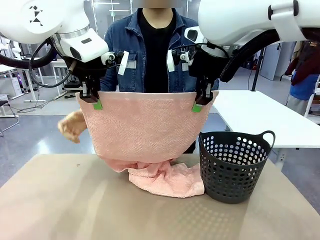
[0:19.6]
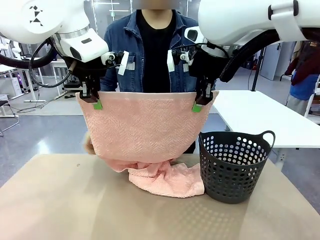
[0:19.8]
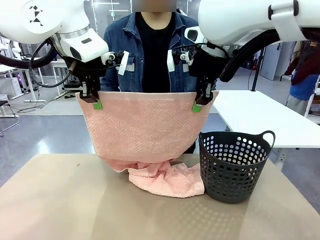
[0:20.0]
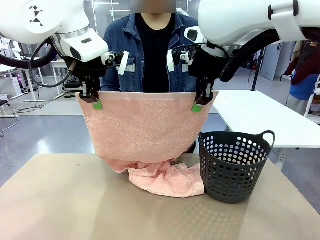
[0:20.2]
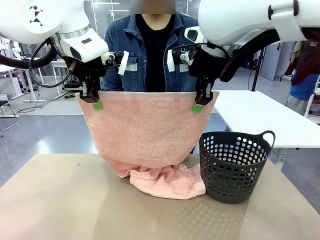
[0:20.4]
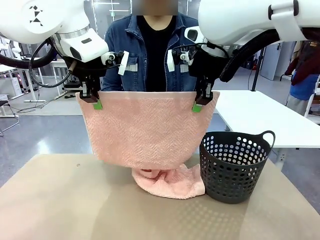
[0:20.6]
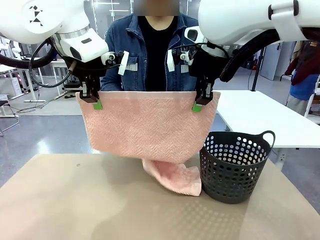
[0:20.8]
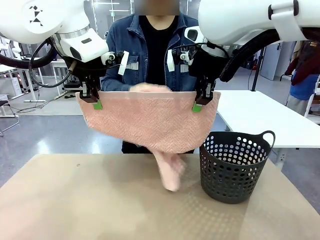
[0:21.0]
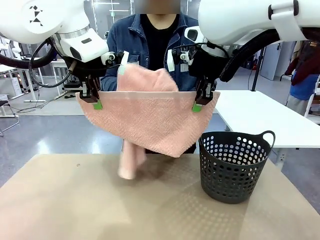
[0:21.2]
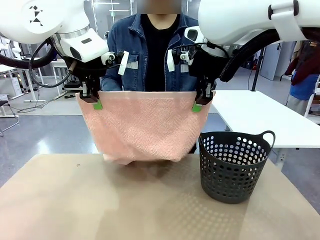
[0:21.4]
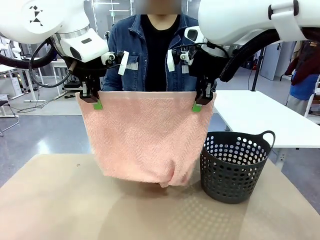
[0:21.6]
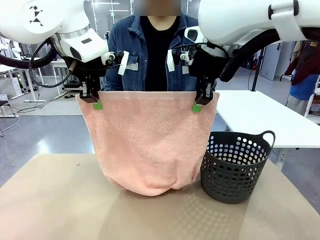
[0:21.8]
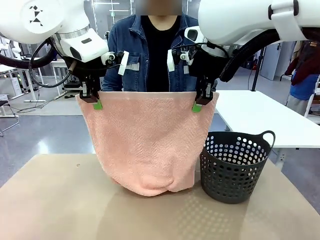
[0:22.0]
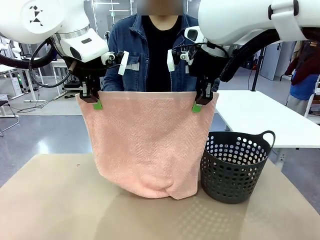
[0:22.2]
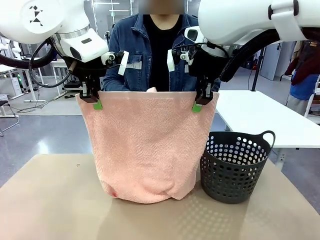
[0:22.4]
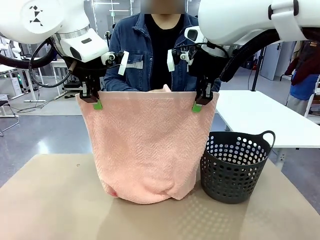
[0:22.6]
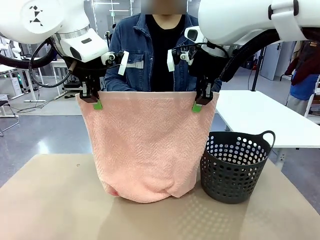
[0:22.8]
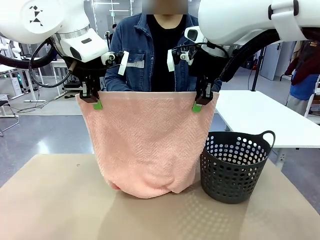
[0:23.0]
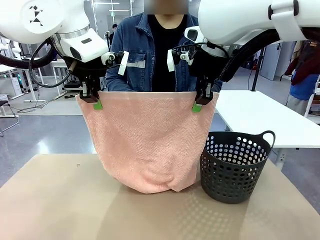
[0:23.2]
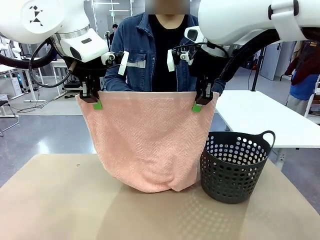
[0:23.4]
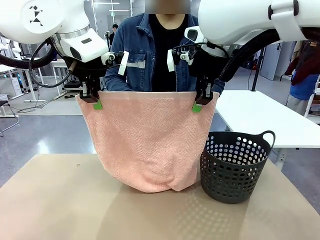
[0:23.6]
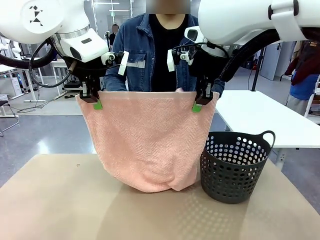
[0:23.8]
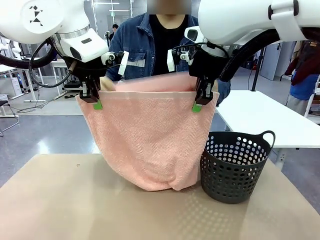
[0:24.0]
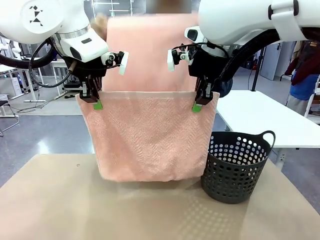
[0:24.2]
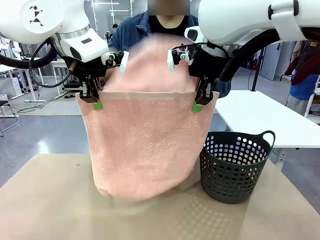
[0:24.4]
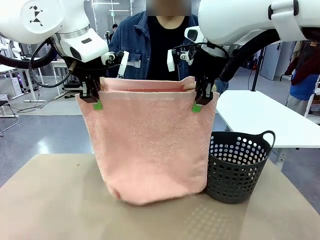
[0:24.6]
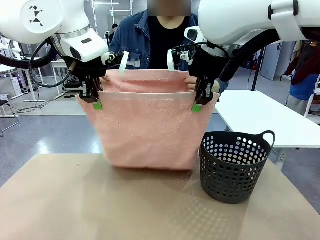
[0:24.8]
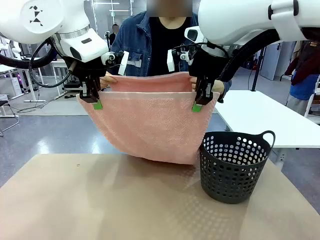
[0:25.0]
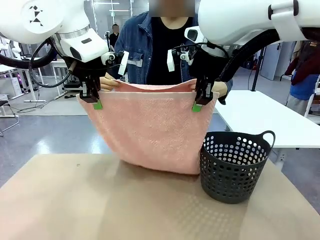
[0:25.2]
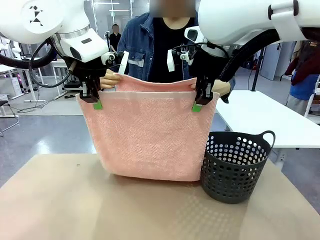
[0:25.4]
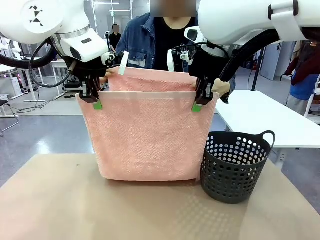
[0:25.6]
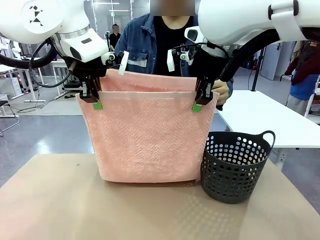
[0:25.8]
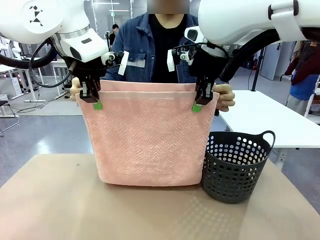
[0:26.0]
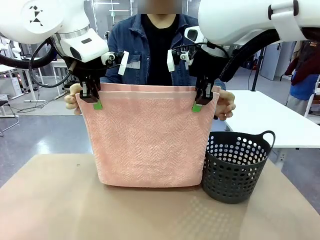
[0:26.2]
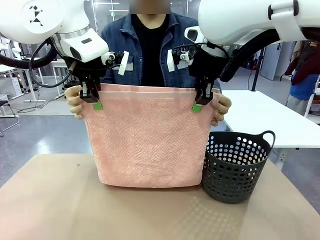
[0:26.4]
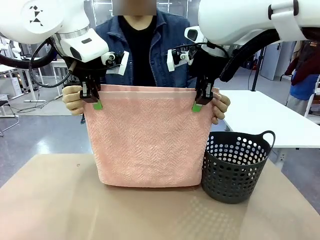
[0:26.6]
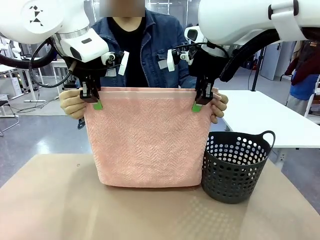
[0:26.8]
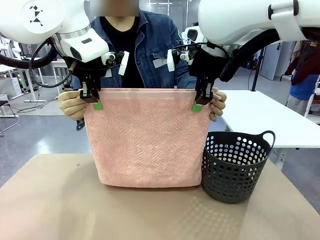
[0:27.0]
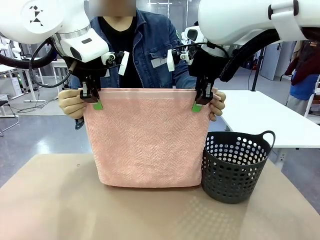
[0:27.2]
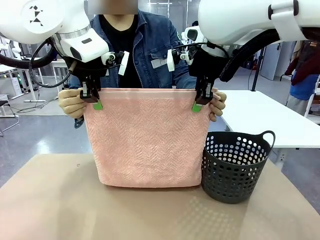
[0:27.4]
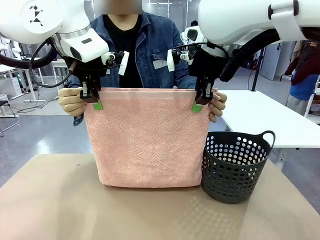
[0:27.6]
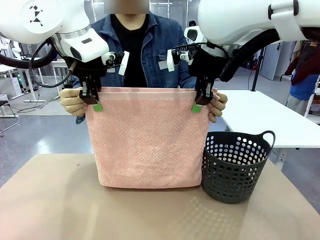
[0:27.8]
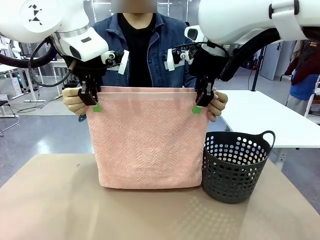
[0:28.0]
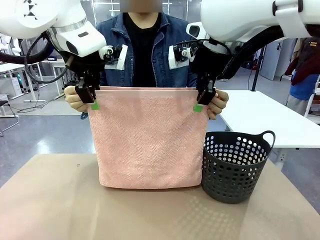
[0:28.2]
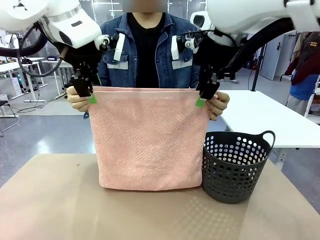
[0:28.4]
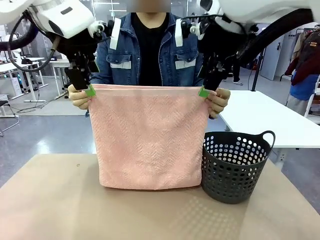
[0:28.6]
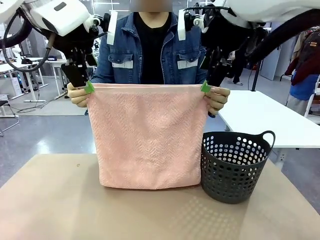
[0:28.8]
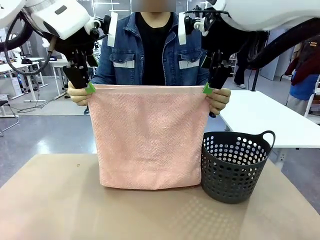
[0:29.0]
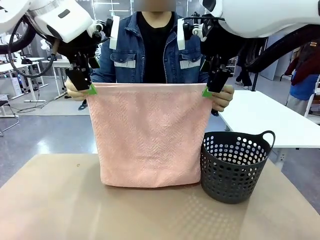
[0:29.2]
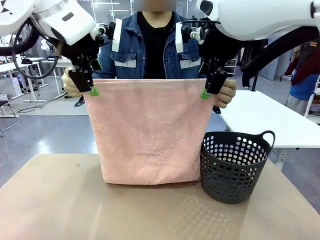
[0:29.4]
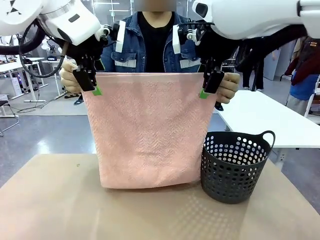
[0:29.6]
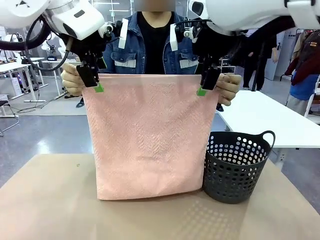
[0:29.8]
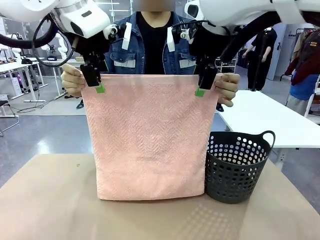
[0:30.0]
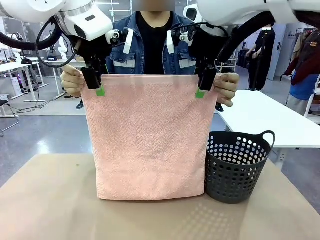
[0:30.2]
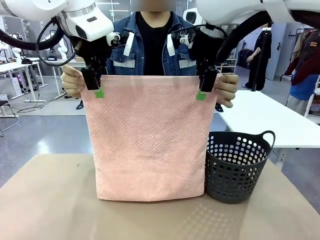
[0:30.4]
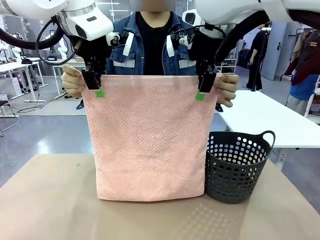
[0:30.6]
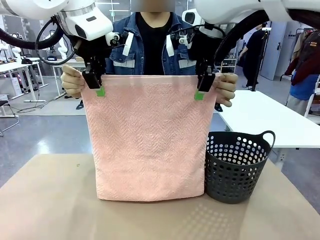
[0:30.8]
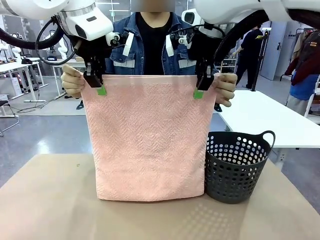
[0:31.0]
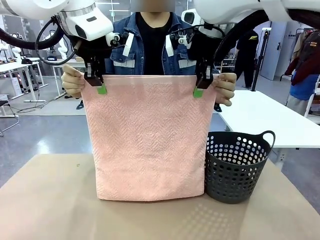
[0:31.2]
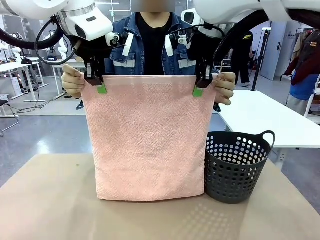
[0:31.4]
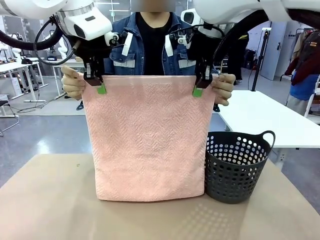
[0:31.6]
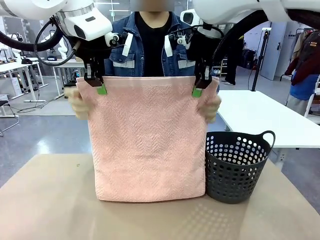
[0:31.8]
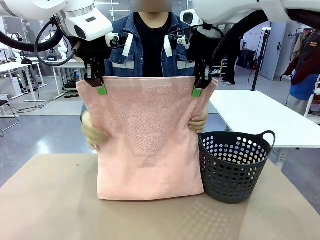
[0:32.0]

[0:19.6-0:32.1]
Task: Fold the towel.
Robot: Release the end of the 100 cm Hotel Towel you were holding and grab the top end of the folded side.
Person: Using the point held by the robot as a reference, grasp the opposite end, fold the towel in half, and then hold both ends of the folded towel.

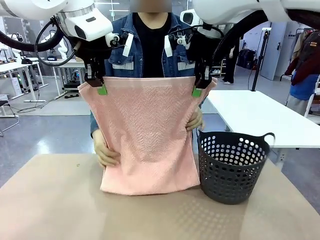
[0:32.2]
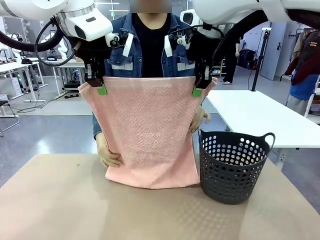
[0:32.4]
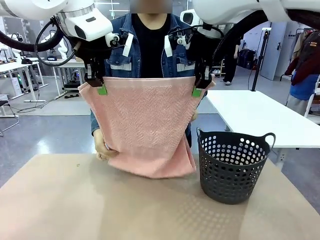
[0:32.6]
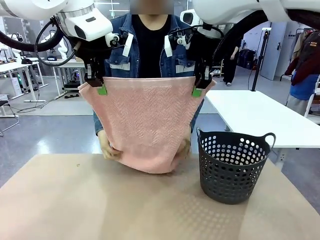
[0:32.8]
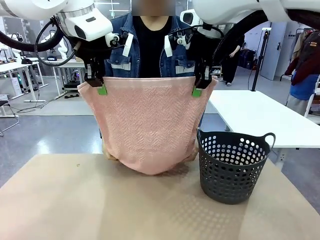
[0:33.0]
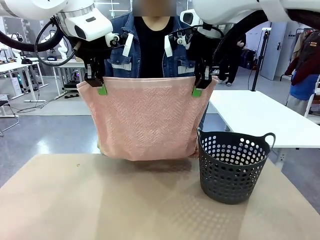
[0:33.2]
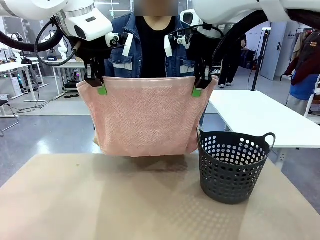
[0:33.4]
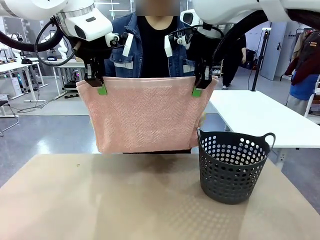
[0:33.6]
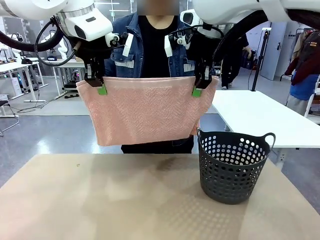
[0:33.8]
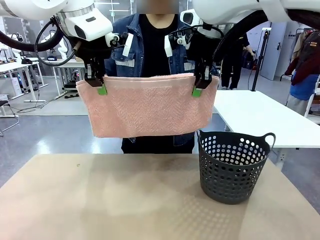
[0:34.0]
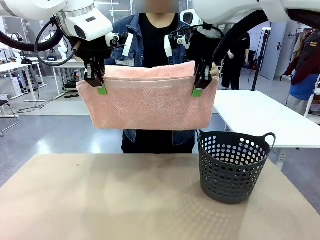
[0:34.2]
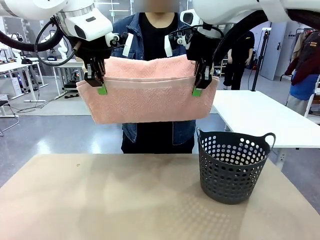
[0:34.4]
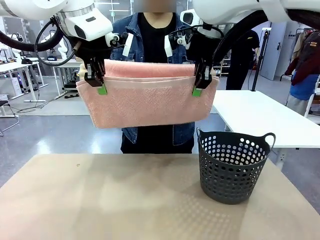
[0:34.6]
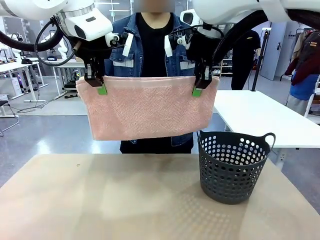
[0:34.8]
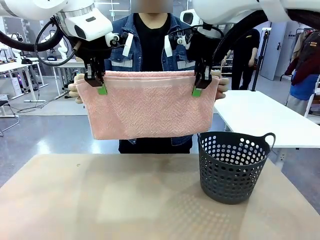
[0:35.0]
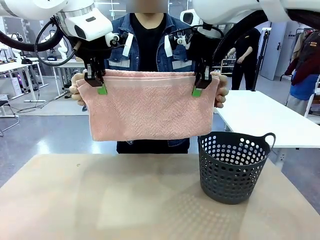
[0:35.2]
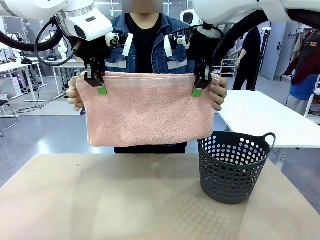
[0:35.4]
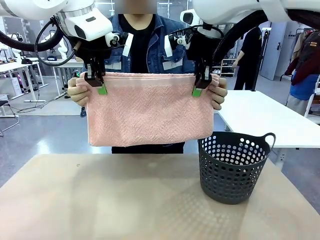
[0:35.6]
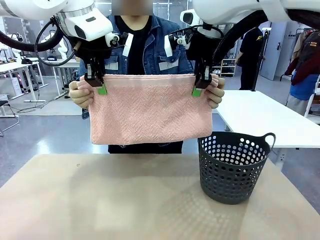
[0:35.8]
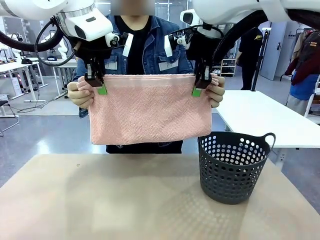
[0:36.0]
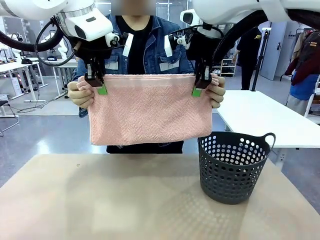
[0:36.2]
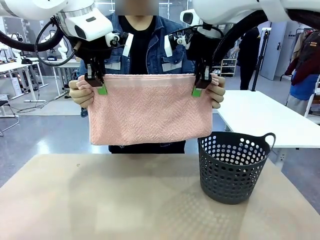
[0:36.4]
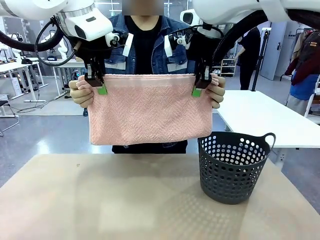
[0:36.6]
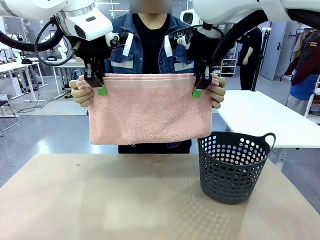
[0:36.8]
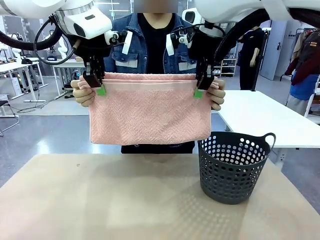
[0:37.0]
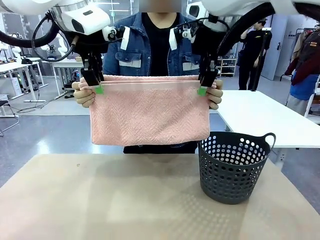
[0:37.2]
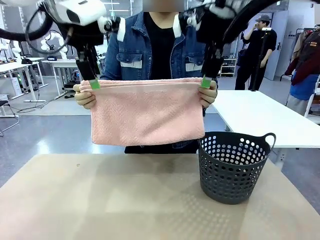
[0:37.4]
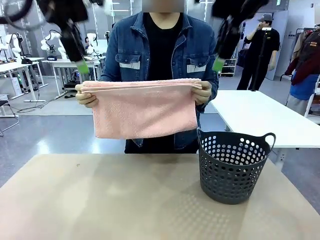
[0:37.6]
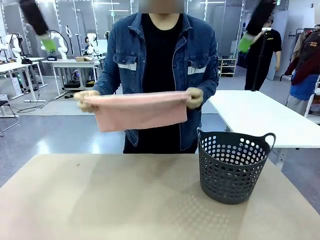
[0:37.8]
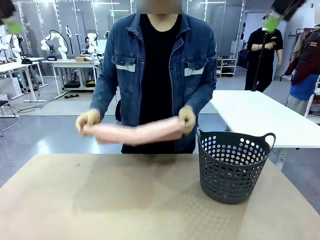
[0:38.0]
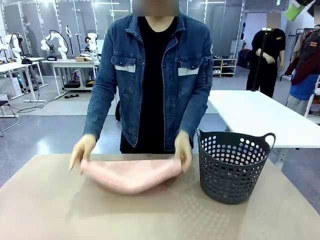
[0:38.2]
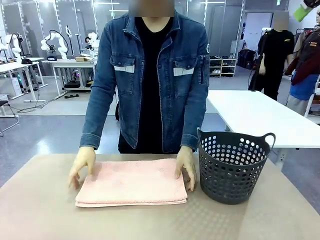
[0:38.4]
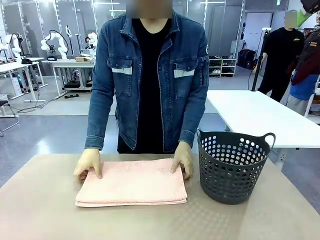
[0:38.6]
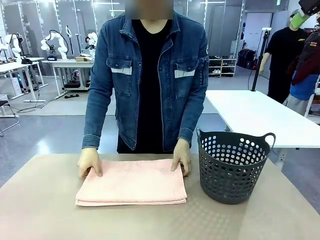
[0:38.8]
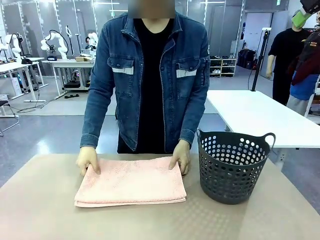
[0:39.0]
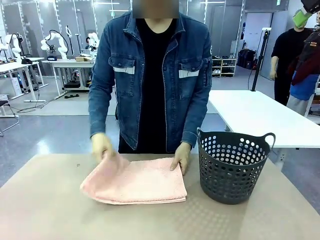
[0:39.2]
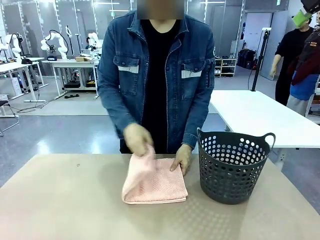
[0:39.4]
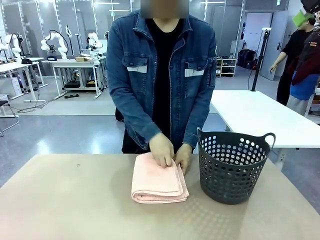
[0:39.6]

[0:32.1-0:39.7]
Robot: Release the end of the 100 cm Hotel Towel you were holding.
Person: Place the towel at the center of the robot table and fold it in half.
